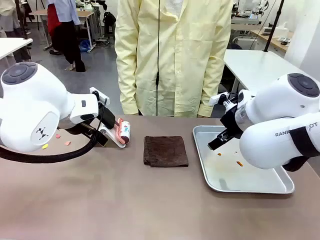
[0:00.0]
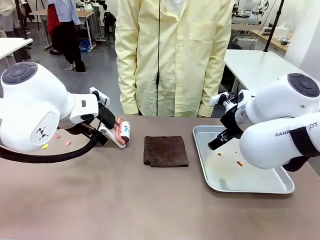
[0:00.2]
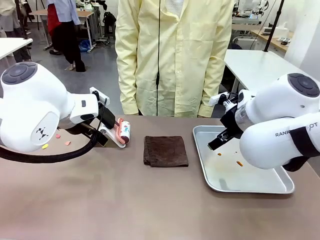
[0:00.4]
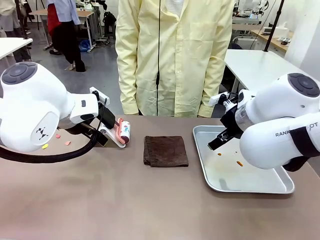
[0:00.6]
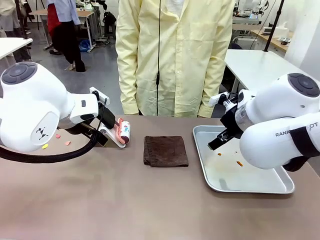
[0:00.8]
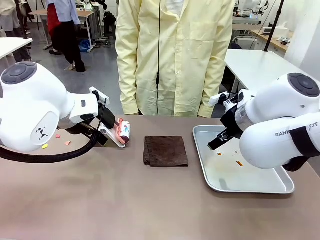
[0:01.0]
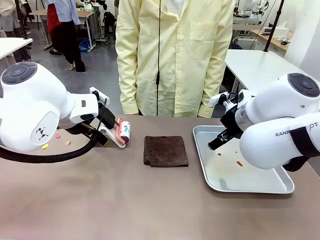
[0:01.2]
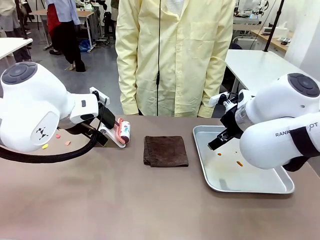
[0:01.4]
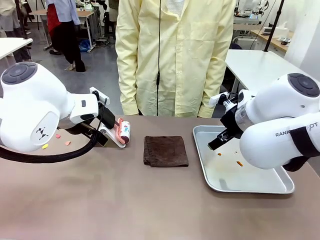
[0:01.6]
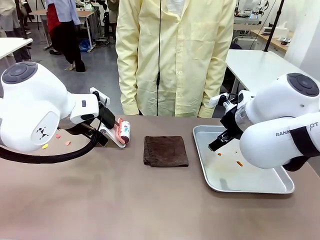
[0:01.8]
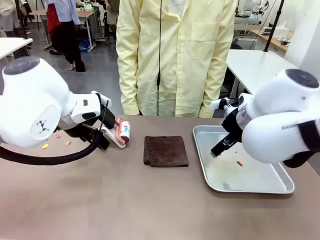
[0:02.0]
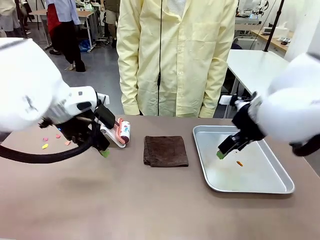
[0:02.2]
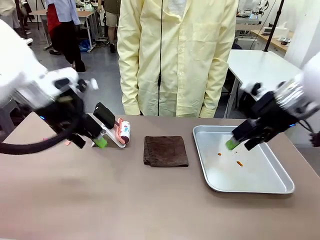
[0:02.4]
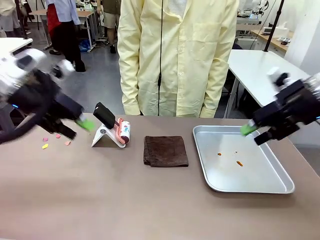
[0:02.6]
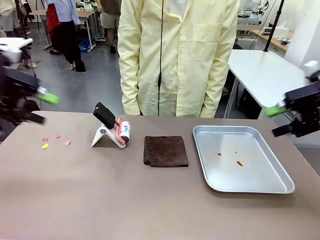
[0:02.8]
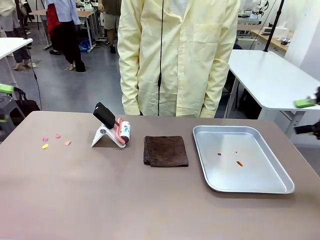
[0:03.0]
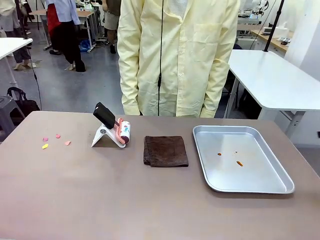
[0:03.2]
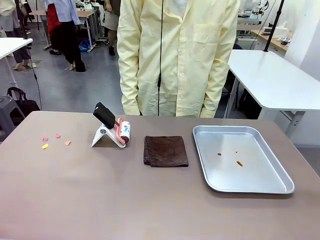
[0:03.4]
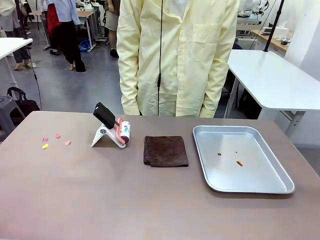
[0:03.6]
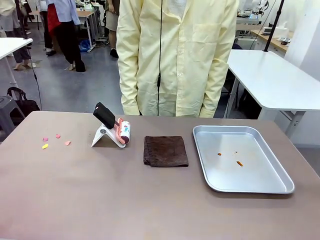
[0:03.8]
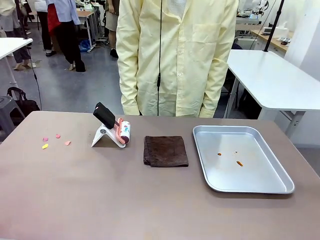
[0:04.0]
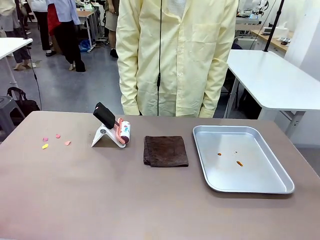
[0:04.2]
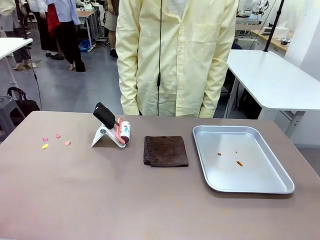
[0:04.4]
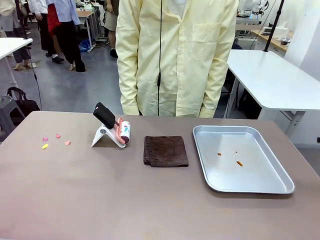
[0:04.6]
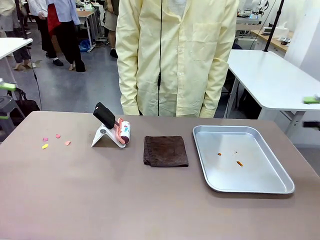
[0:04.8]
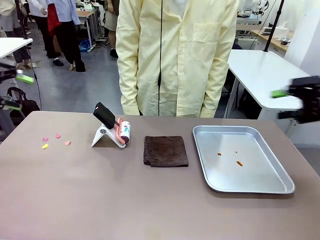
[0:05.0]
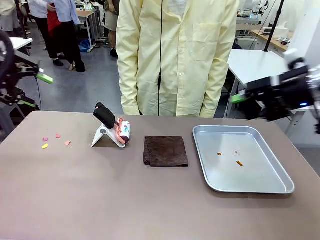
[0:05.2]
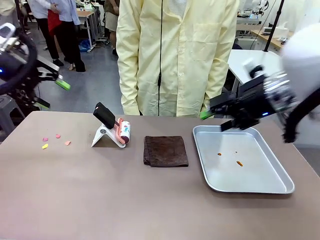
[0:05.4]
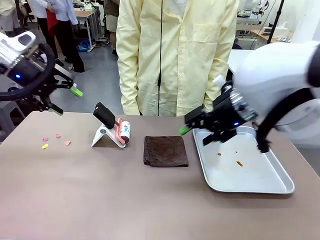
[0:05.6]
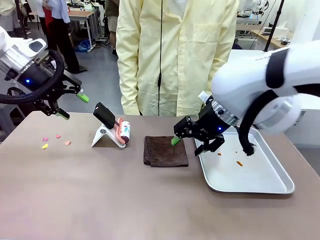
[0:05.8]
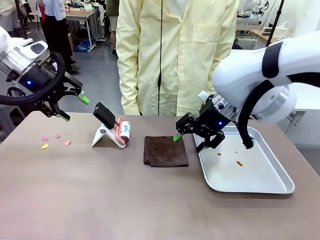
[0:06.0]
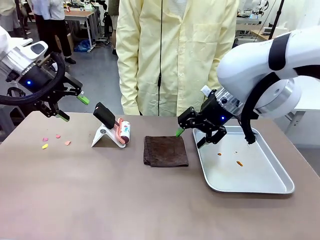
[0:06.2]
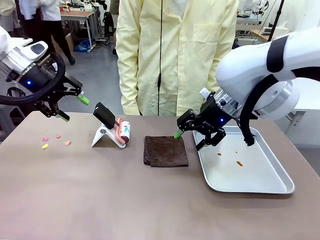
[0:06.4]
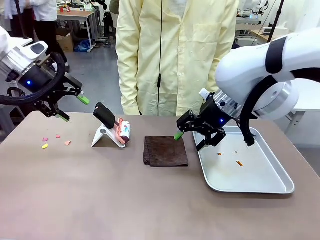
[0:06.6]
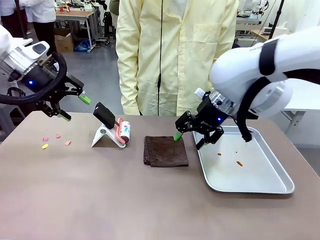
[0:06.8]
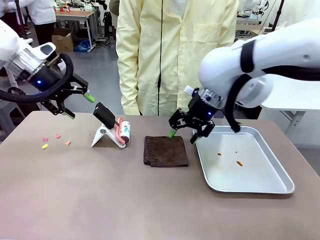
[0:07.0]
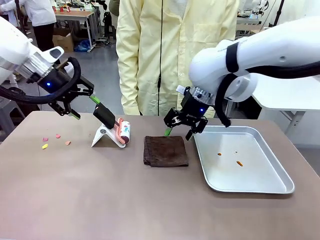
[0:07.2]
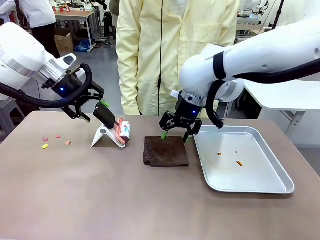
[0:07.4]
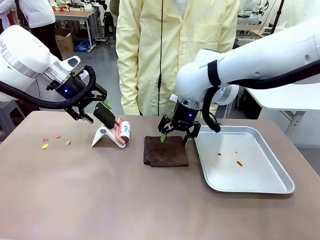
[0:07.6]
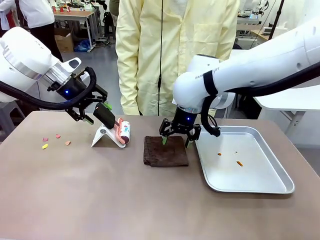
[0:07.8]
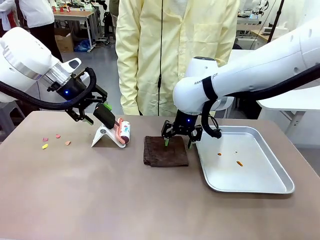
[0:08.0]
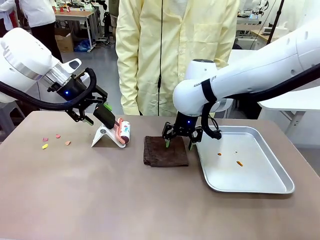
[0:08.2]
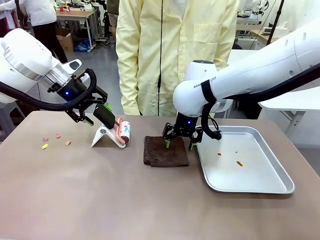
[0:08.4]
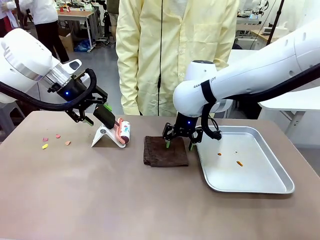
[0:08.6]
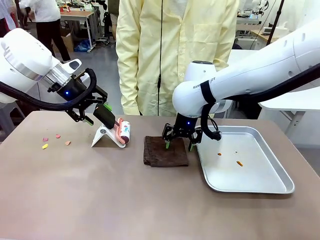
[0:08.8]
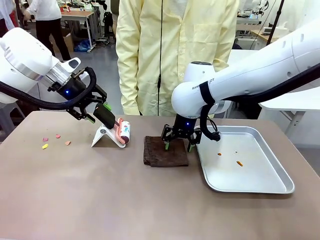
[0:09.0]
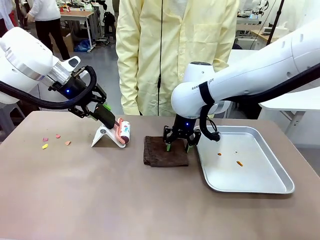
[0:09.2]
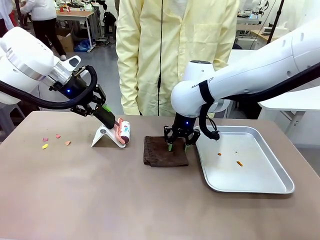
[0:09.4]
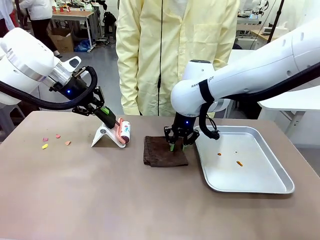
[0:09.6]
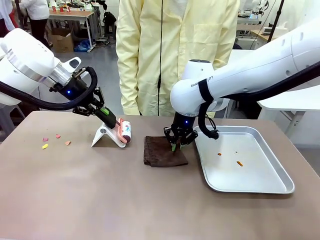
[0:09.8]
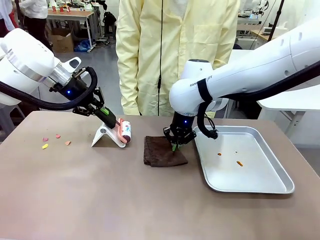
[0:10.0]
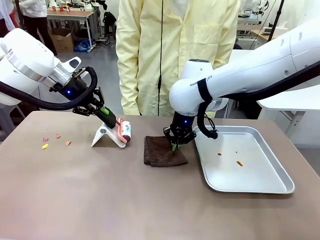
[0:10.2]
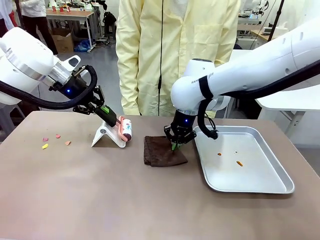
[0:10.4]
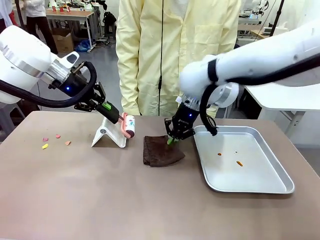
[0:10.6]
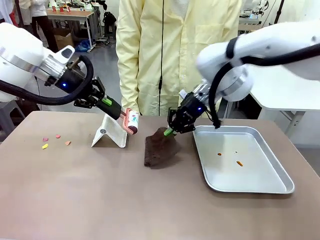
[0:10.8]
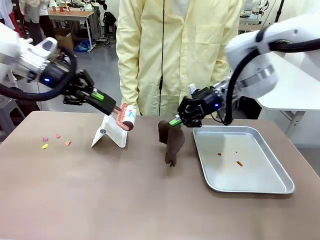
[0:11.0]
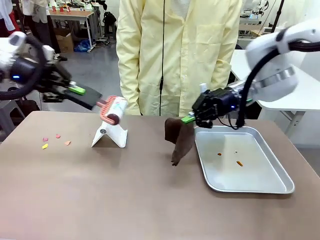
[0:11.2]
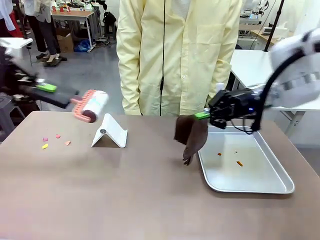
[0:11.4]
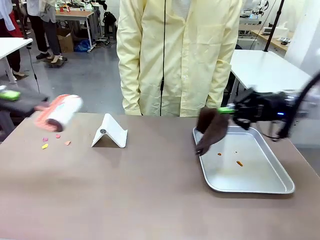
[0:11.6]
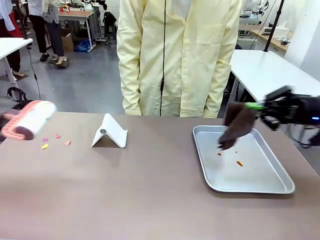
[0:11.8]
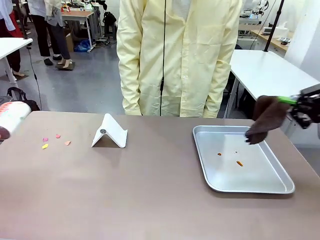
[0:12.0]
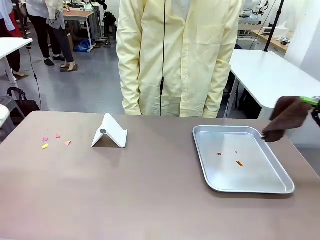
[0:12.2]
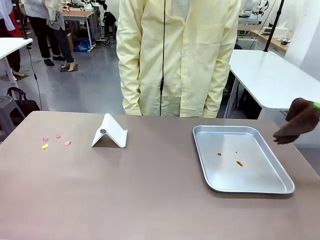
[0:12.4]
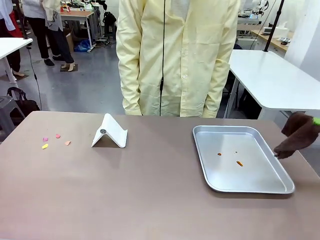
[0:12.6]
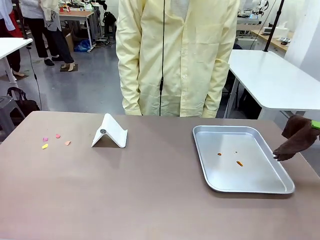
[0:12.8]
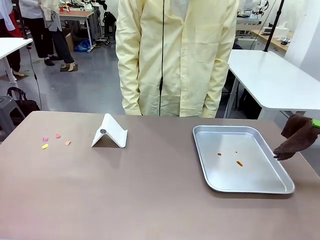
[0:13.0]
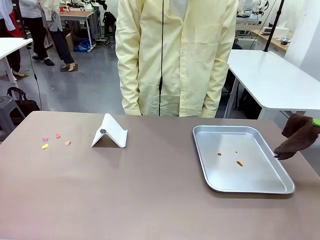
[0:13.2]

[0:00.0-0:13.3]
Task: Clean the surface of the table.
Robot: Hold the Lint Roller with your left hand and the towel with your right hand.

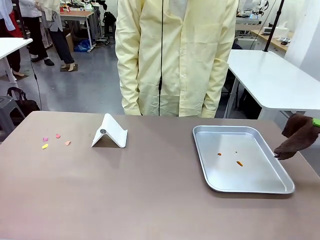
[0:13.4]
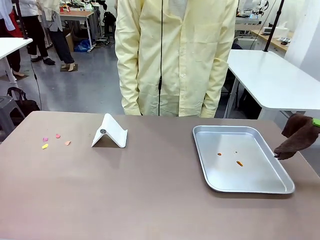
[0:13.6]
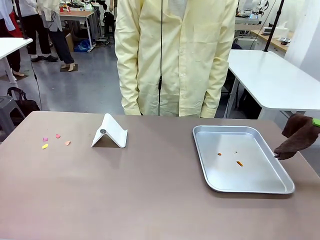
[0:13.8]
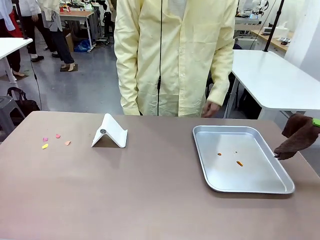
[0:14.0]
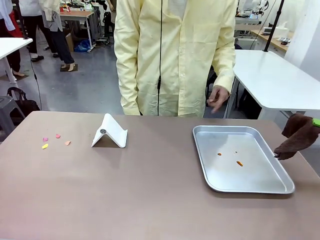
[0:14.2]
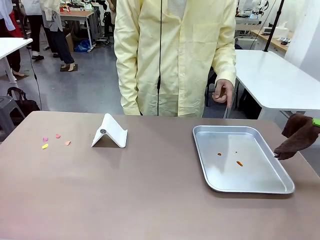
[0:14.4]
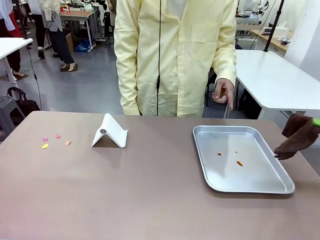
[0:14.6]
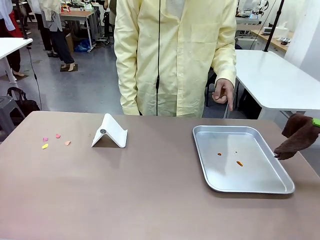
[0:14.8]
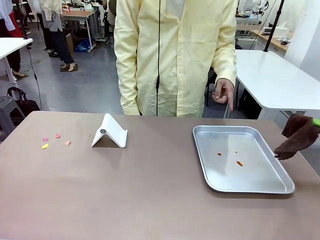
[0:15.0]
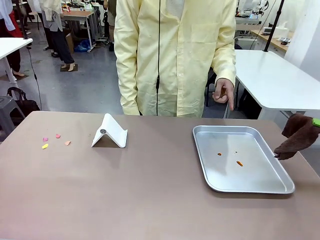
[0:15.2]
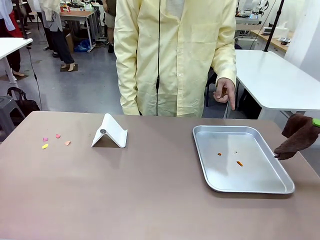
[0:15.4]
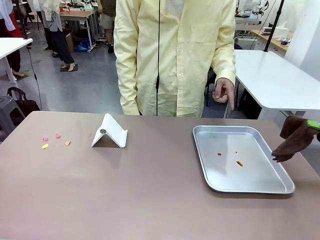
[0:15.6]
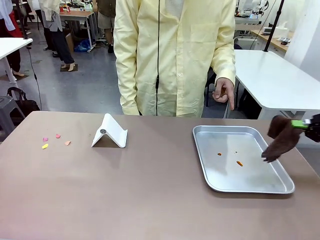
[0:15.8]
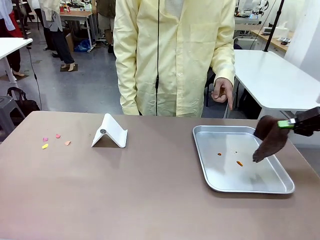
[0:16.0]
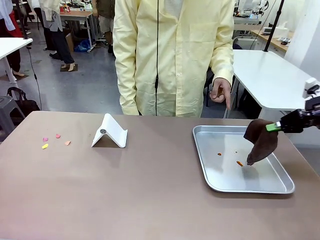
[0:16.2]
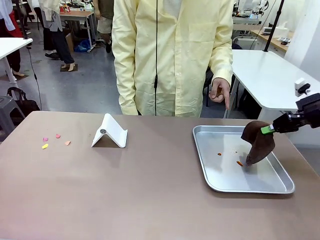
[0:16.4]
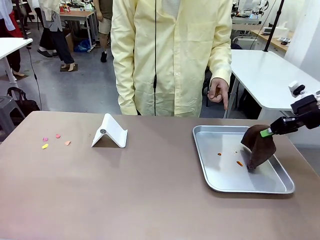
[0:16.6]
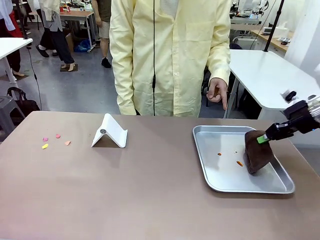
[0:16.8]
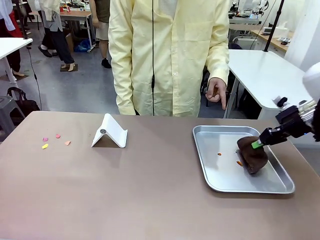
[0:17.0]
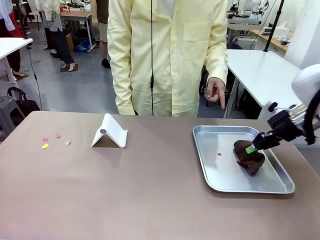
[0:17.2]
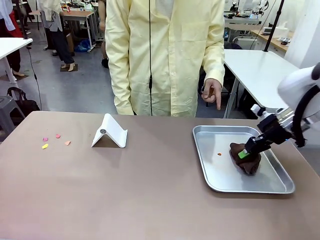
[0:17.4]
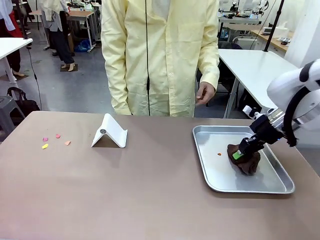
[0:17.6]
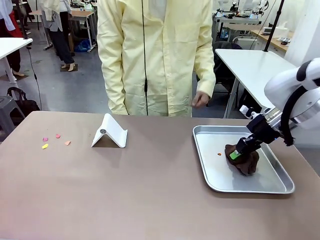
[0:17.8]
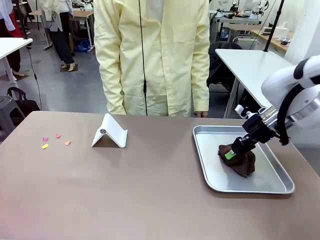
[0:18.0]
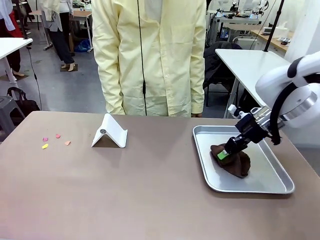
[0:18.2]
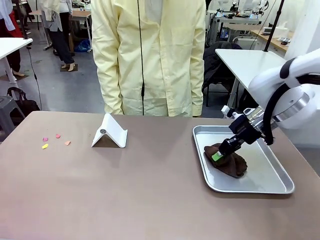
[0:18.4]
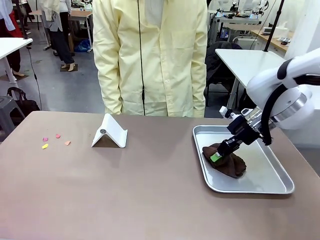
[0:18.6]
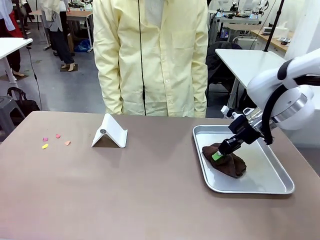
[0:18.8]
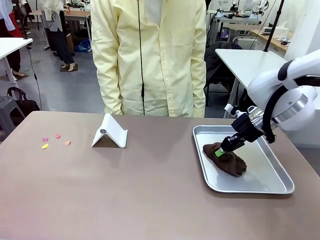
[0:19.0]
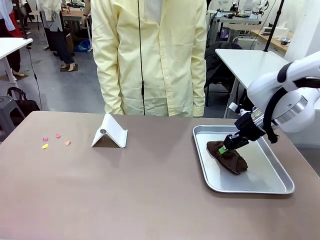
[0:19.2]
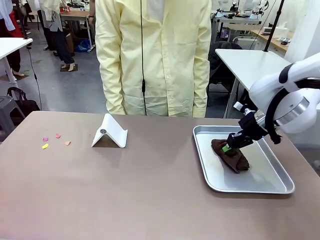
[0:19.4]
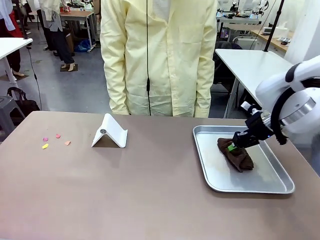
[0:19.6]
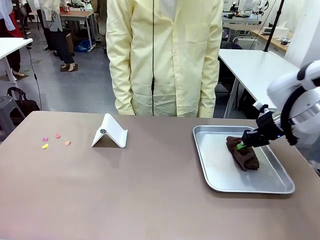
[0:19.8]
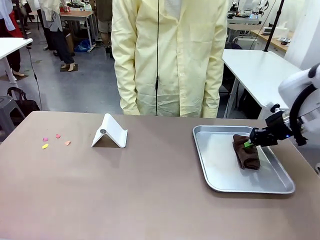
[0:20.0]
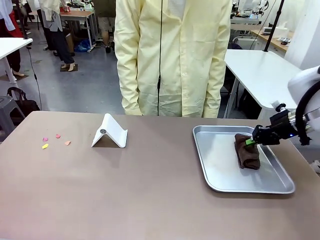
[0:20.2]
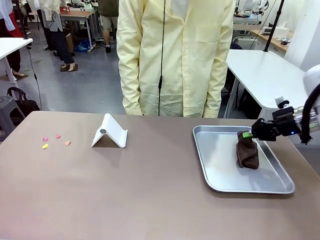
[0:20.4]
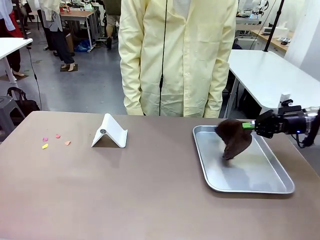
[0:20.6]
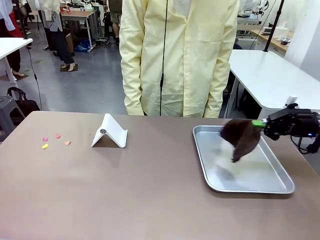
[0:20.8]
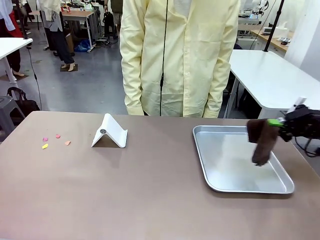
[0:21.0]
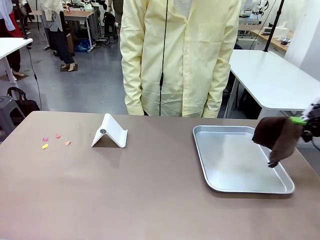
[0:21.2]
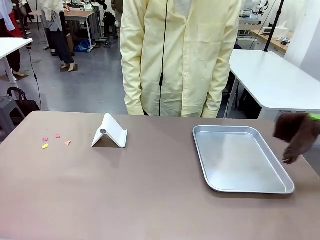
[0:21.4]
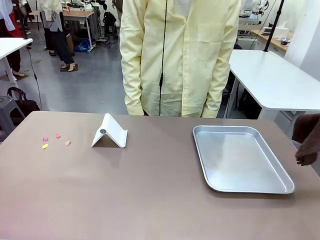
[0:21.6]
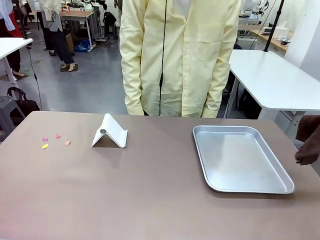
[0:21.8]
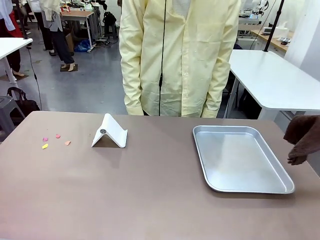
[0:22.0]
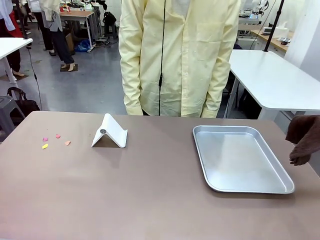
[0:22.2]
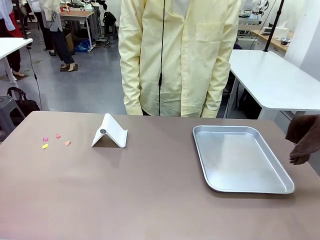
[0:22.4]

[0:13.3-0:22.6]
Robot: If a person points to the right, clean the right side of the table with your right hand, and if they point to the left, clean the left side with your left hand.
